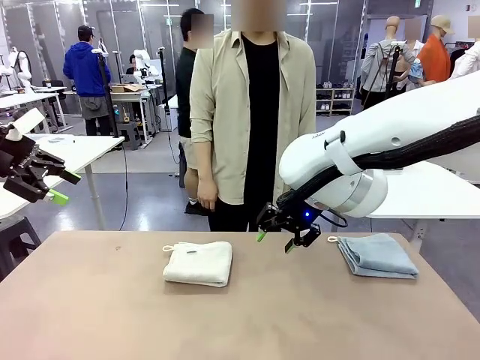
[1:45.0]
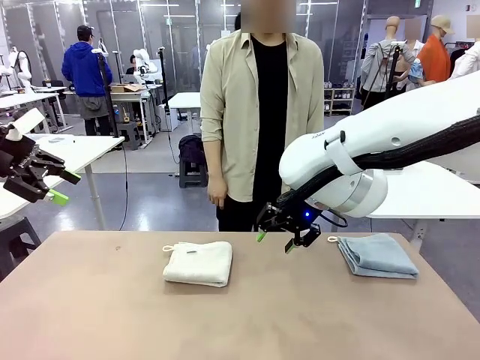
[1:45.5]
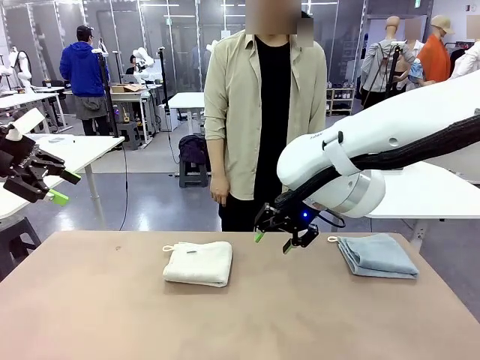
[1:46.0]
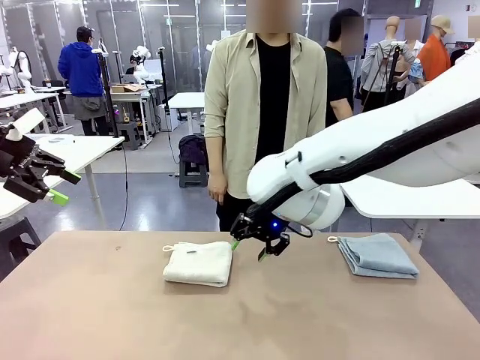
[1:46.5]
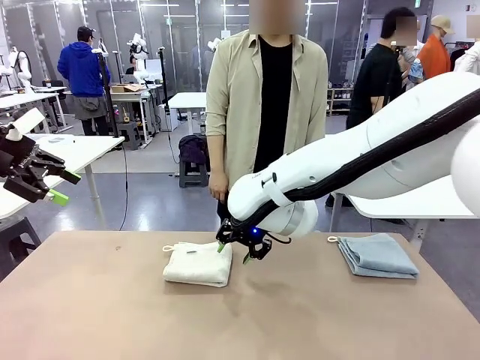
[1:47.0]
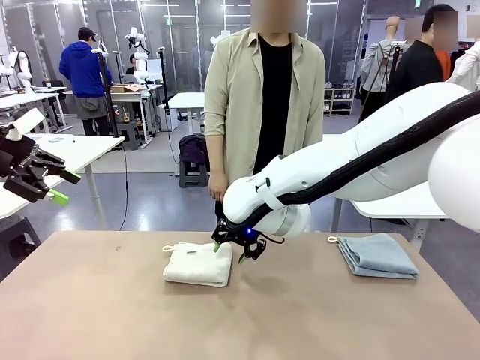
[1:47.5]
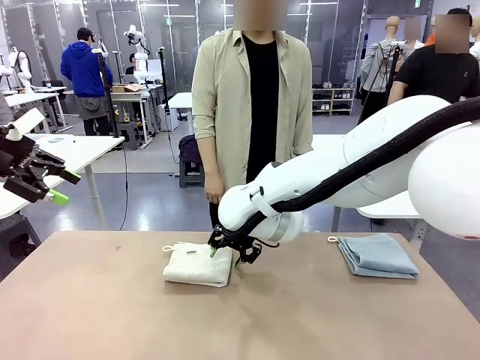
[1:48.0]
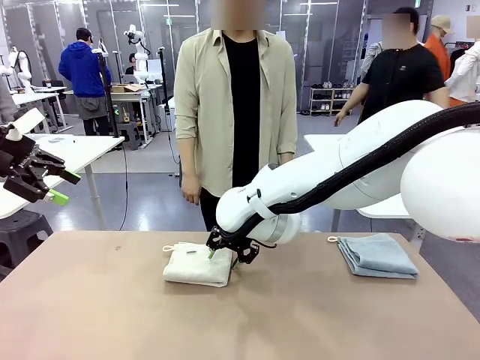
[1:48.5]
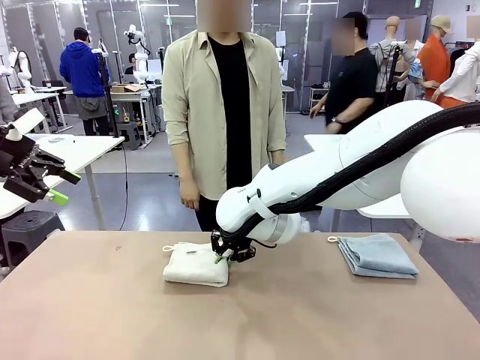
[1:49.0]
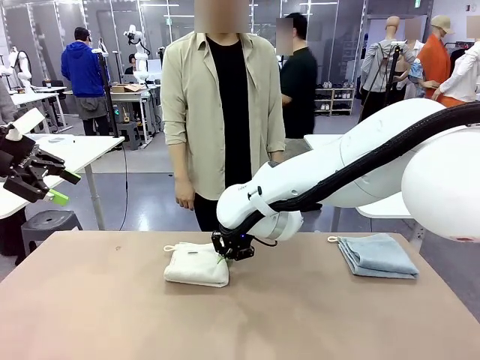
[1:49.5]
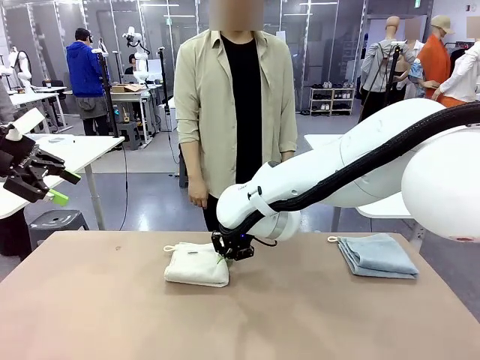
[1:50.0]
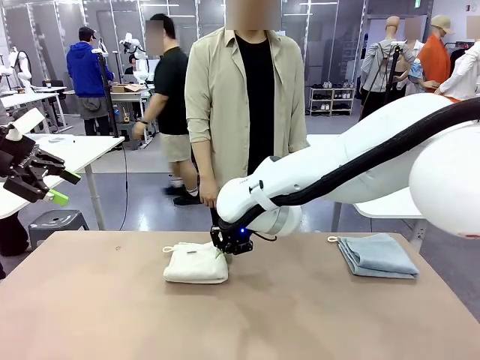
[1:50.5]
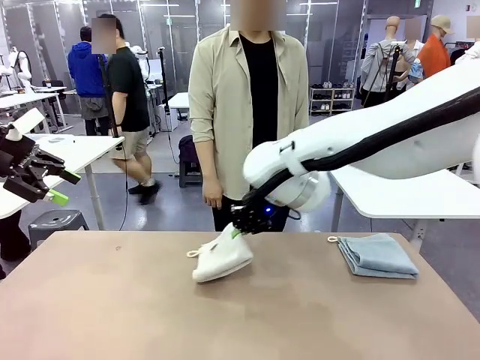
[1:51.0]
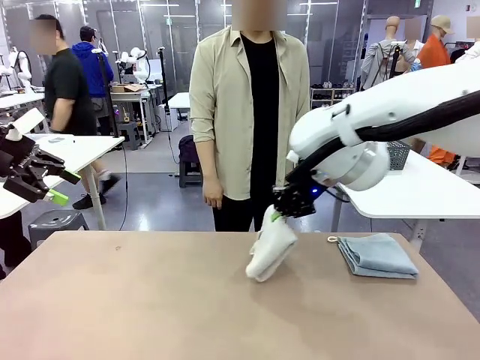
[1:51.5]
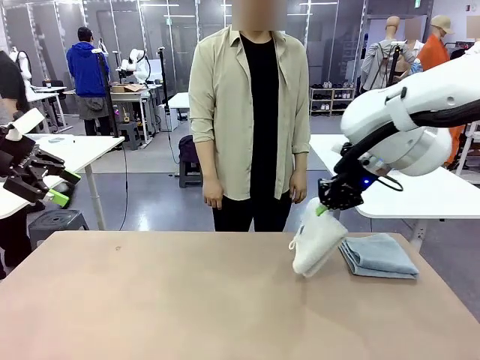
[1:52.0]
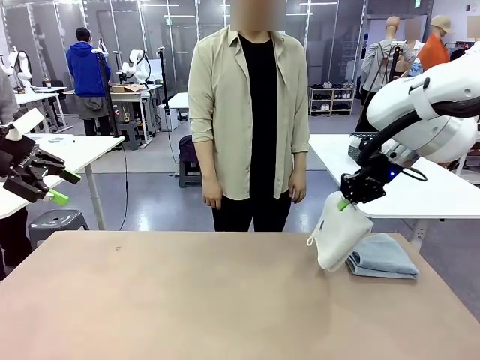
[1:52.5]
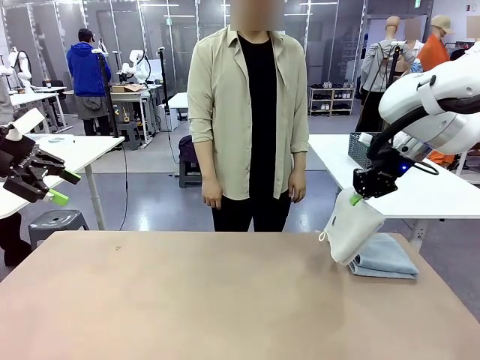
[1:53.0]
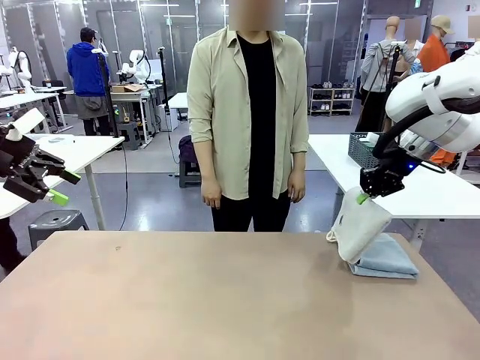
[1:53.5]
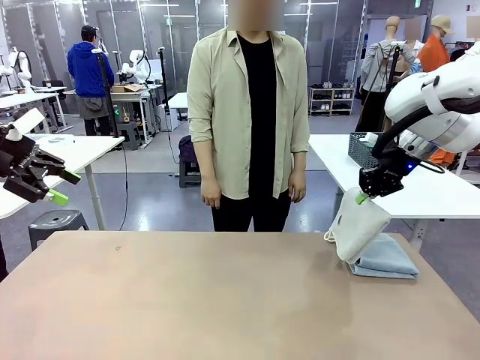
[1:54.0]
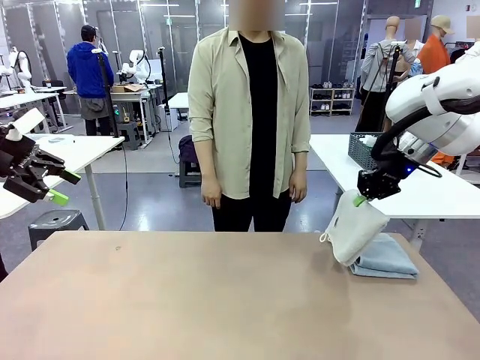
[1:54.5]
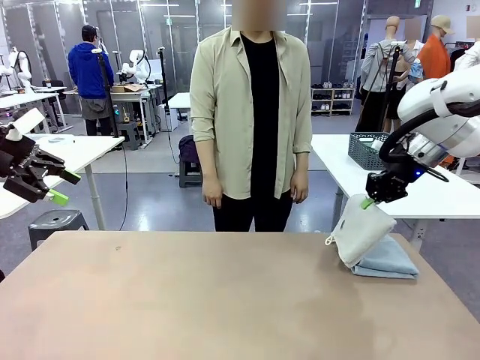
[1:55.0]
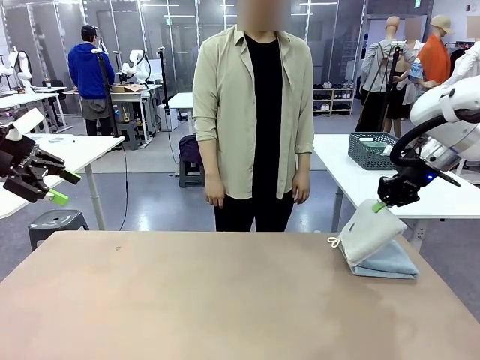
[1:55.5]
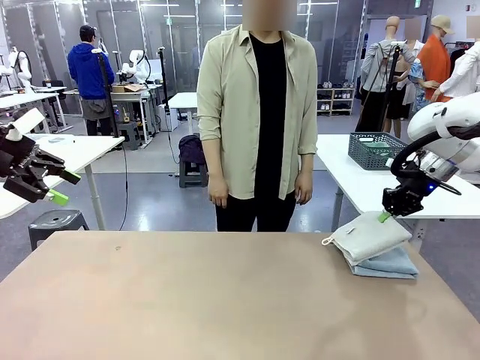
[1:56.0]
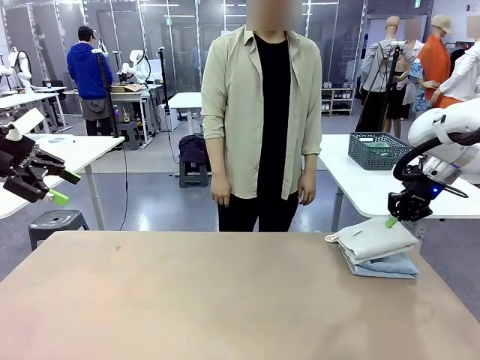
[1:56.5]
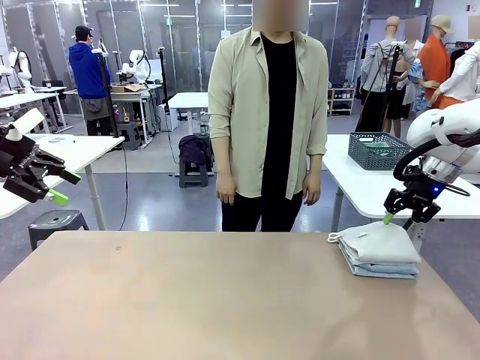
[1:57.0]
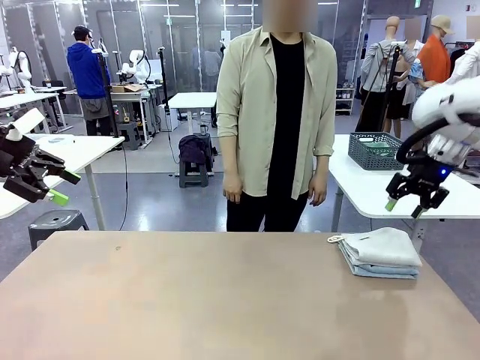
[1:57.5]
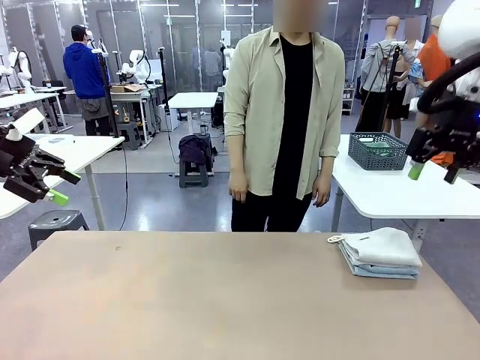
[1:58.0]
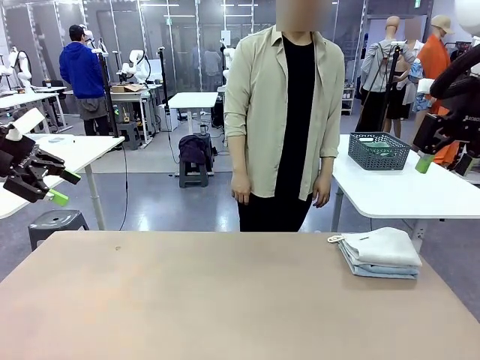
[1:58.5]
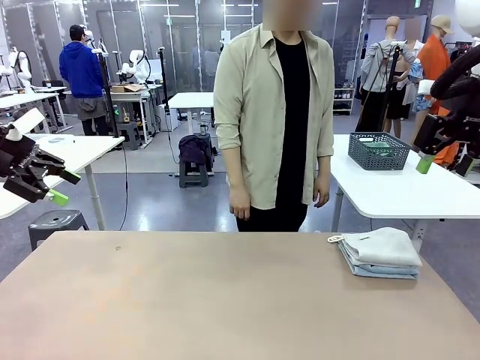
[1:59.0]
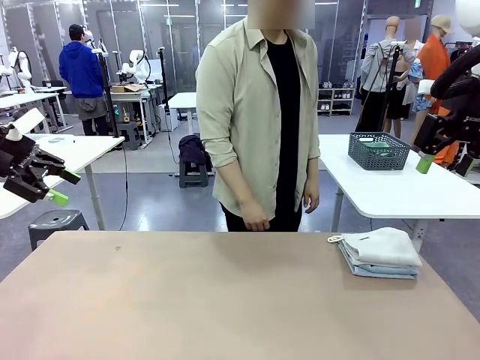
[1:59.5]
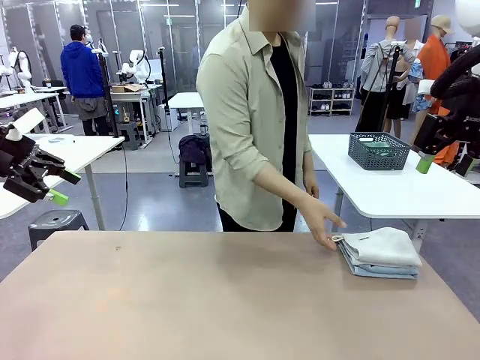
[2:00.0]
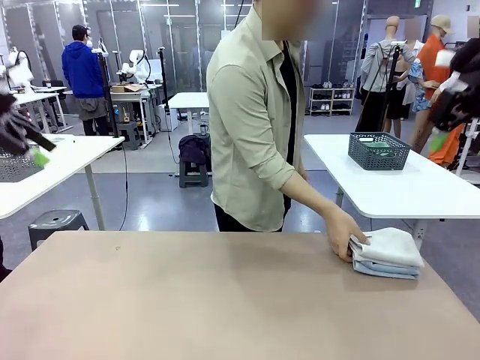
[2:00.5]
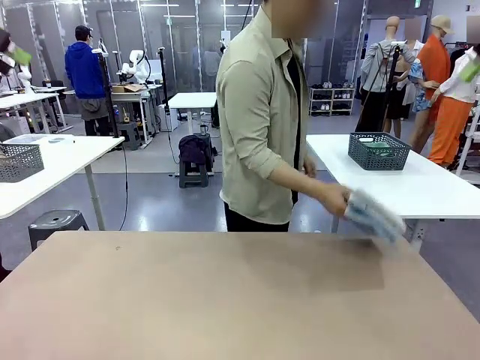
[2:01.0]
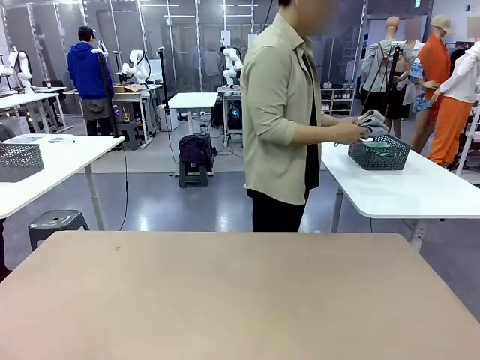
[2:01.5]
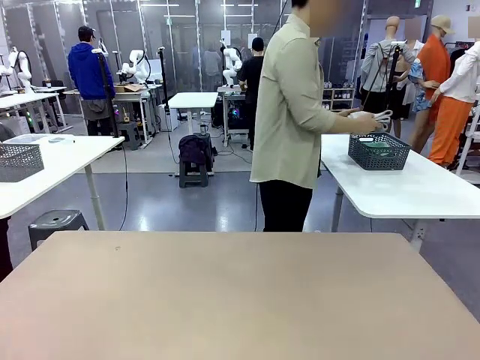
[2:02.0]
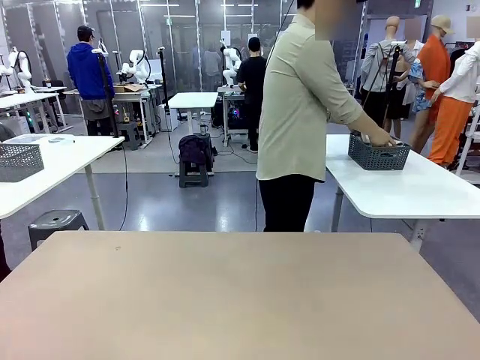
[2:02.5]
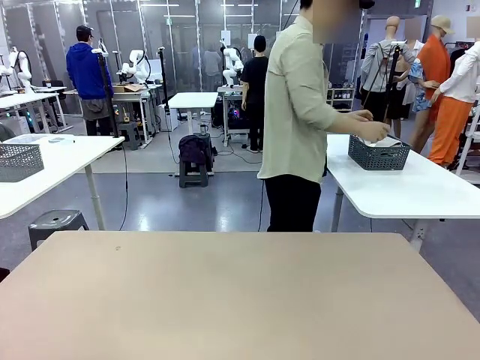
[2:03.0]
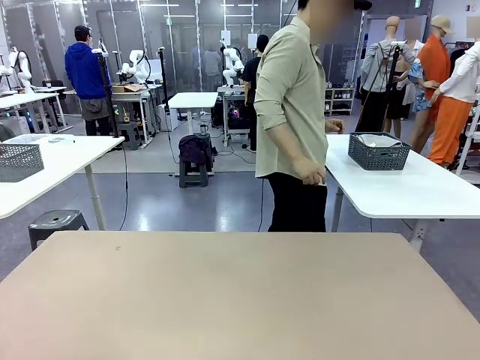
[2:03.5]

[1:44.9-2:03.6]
Task: Fold the towels and place them in the basket.
Robot: Stack the folded Towel with hook on the right side of the table.
Person: Pick up the stack of towels from the robot table and place it into the basket.

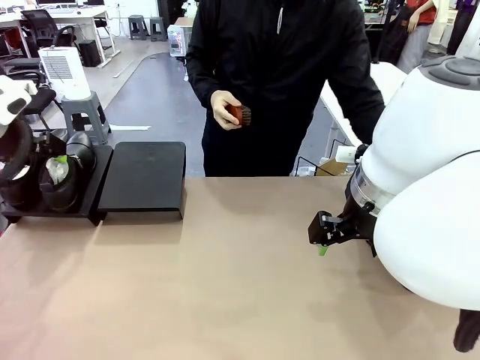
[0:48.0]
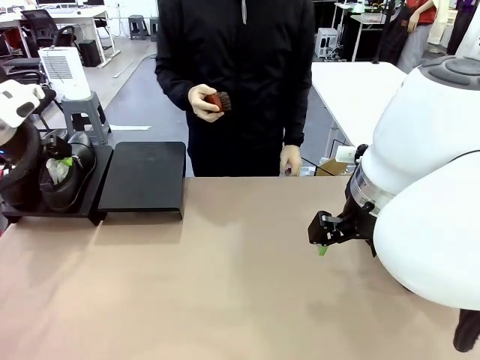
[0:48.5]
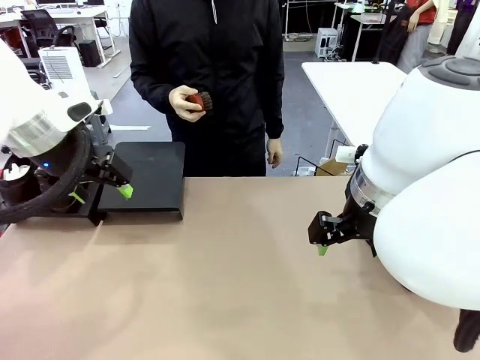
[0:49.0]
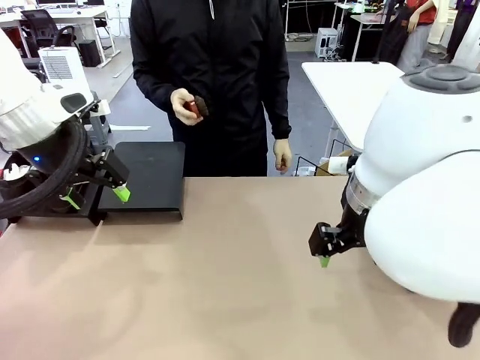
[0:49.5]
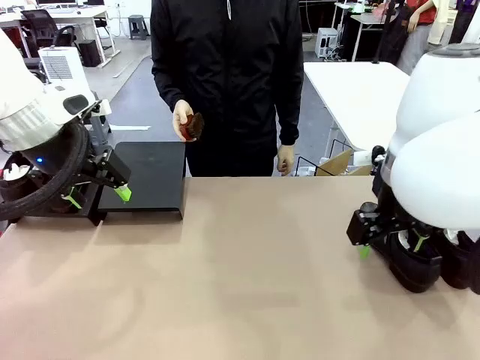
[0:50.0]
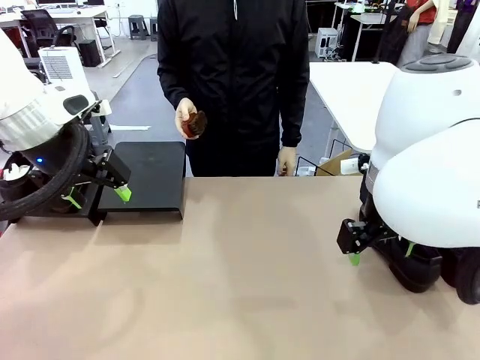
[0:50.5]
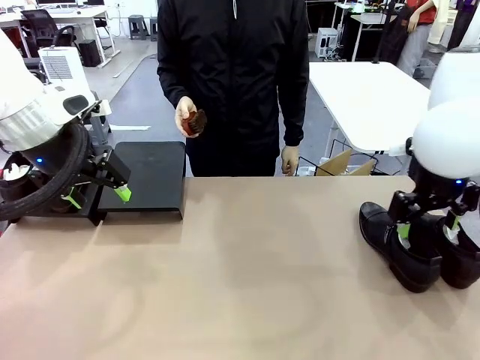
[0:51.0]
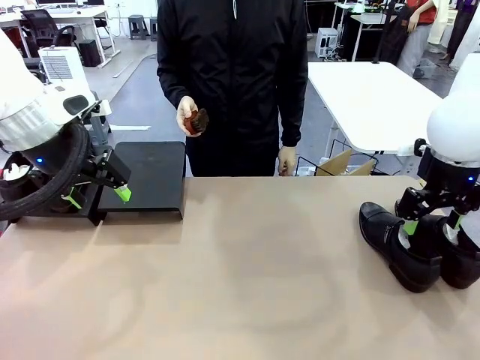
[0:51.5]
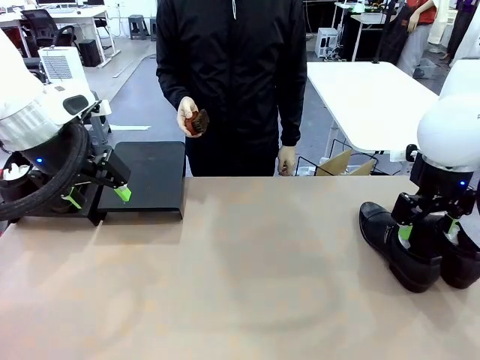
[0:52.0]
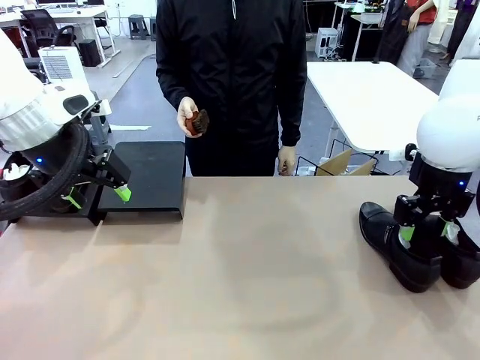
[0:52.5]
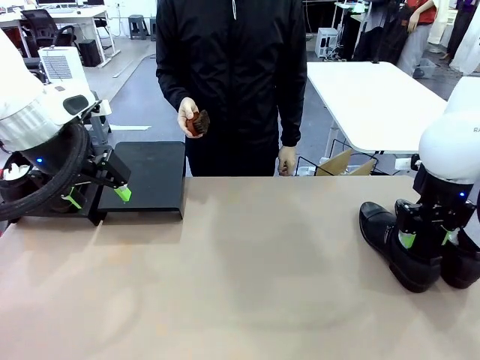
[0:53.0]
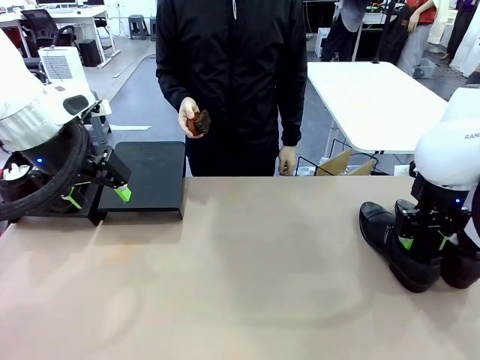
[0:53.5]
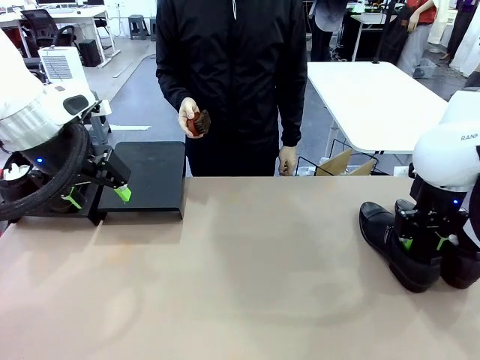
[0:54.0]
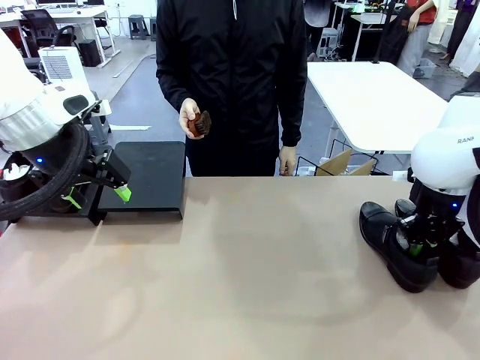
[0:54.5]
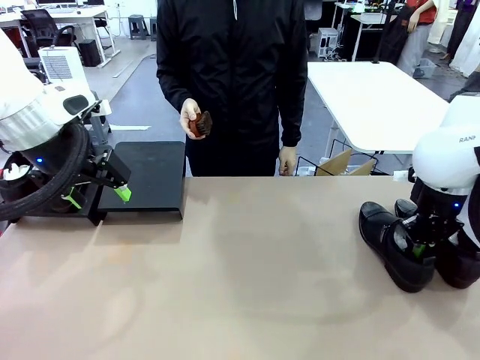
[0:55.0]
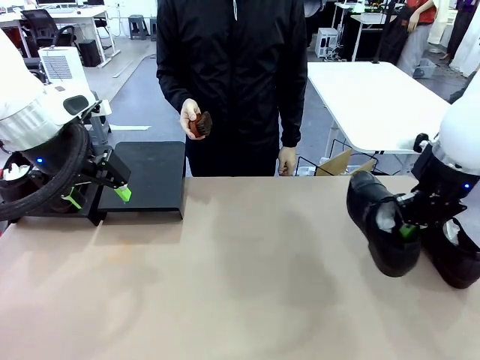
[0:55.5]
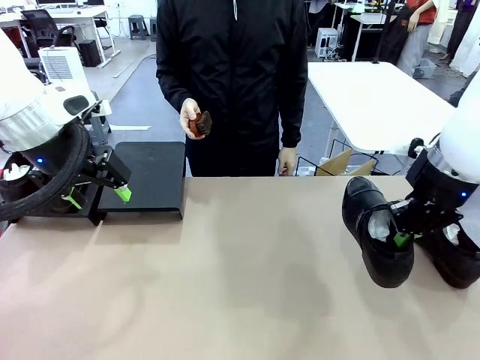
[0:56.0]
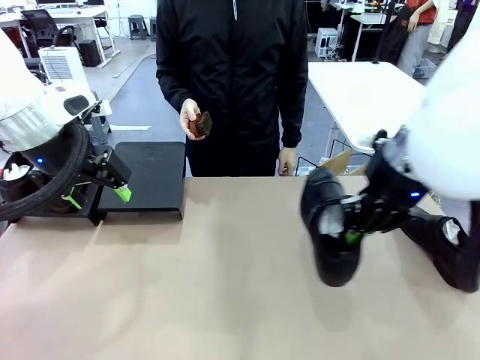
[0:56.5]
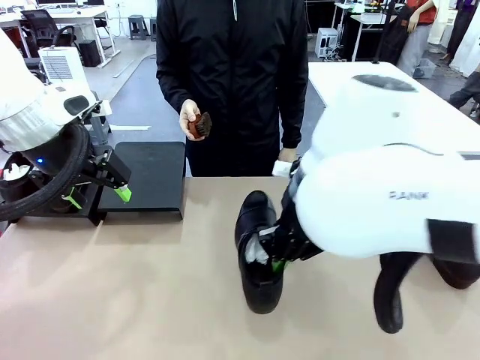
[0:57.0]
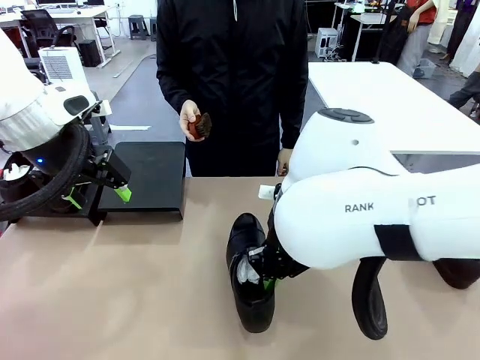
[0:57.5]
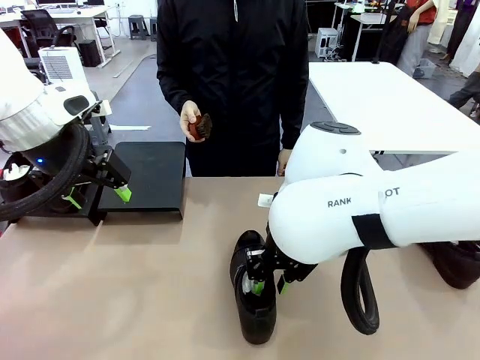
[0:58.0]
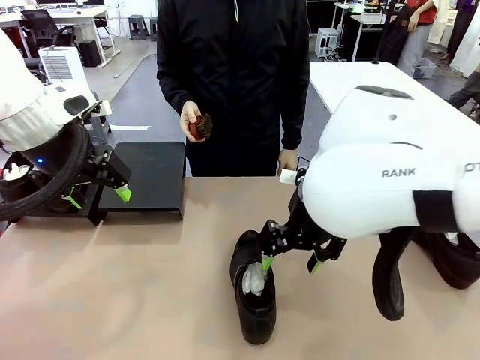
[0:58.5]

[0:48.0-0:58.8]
Task: Organize the shoes by placing them on the stand.
Robot: Pick up one Shoe and place it in the middle of the table.
